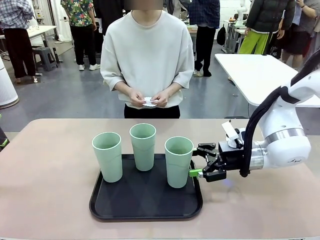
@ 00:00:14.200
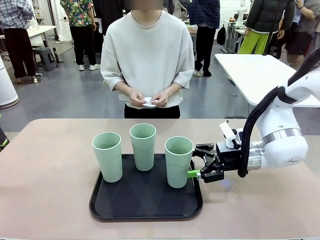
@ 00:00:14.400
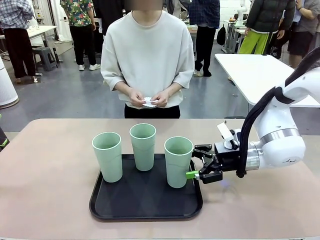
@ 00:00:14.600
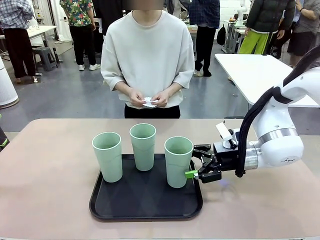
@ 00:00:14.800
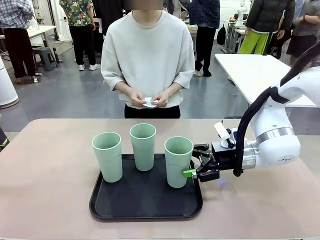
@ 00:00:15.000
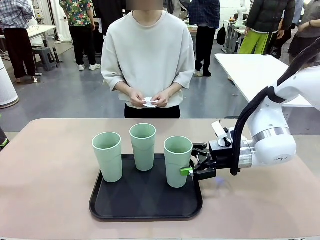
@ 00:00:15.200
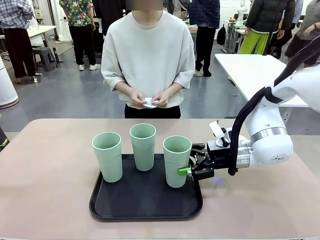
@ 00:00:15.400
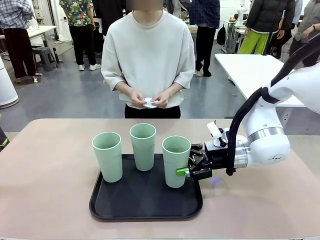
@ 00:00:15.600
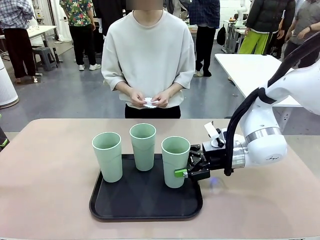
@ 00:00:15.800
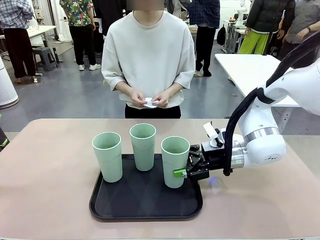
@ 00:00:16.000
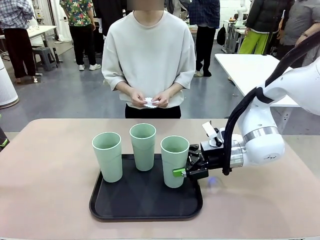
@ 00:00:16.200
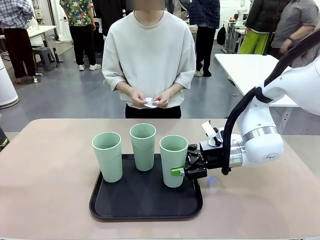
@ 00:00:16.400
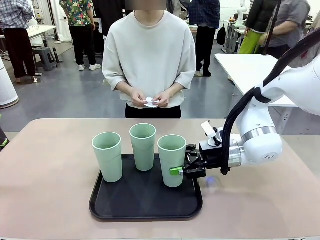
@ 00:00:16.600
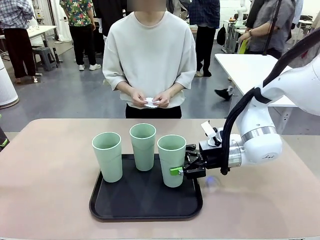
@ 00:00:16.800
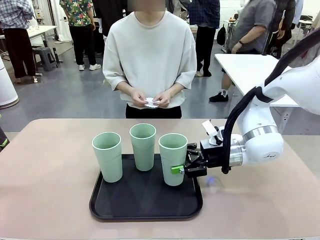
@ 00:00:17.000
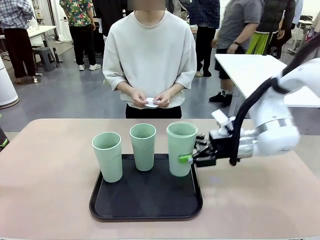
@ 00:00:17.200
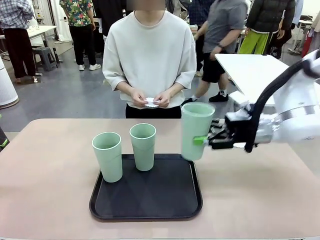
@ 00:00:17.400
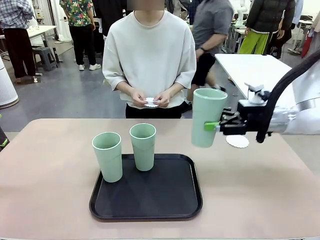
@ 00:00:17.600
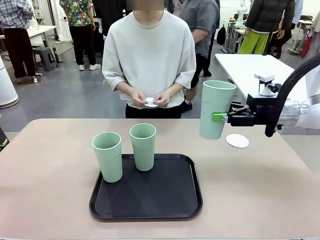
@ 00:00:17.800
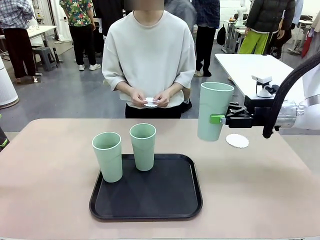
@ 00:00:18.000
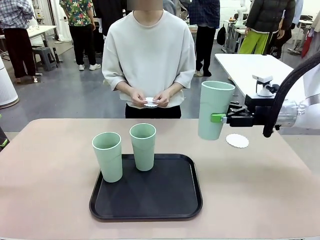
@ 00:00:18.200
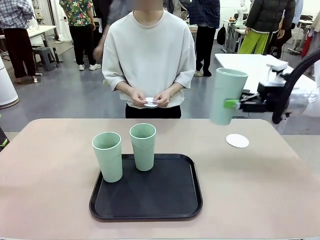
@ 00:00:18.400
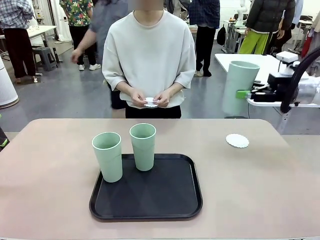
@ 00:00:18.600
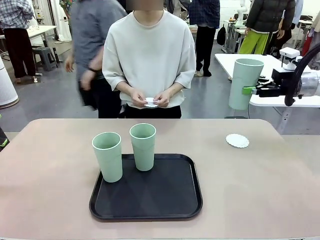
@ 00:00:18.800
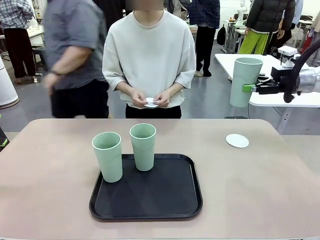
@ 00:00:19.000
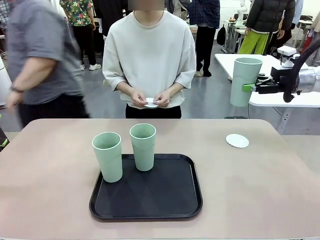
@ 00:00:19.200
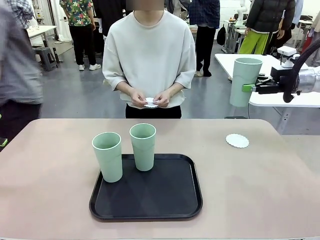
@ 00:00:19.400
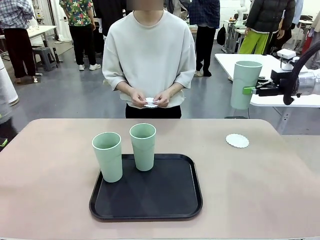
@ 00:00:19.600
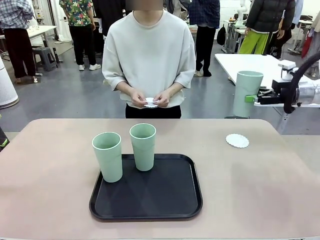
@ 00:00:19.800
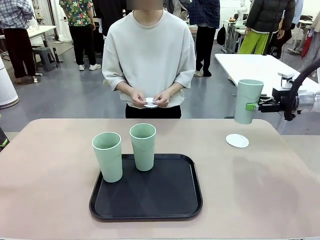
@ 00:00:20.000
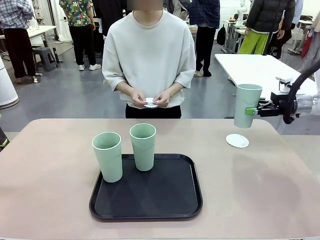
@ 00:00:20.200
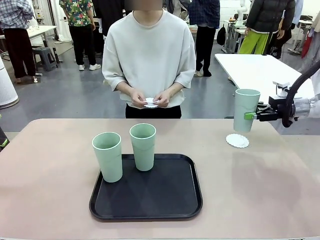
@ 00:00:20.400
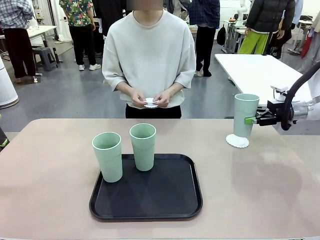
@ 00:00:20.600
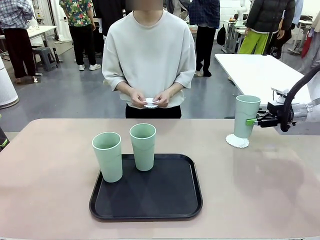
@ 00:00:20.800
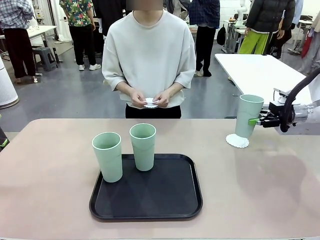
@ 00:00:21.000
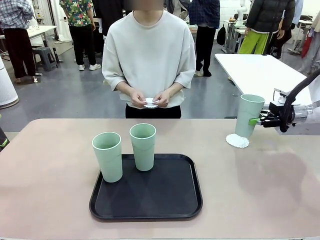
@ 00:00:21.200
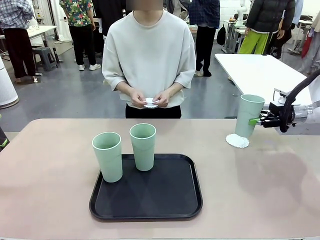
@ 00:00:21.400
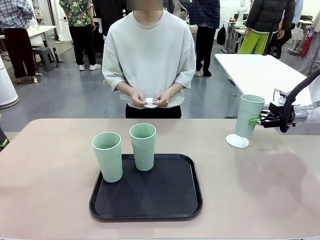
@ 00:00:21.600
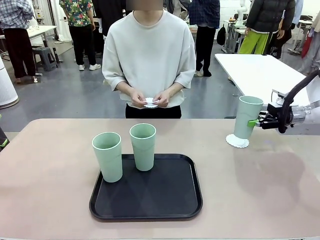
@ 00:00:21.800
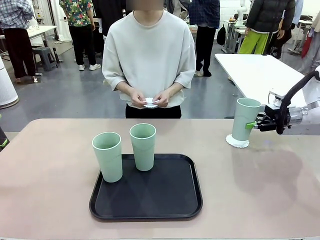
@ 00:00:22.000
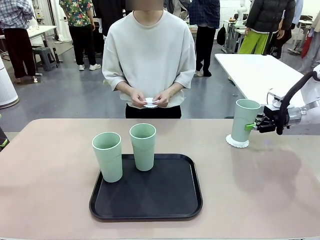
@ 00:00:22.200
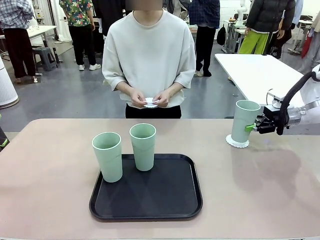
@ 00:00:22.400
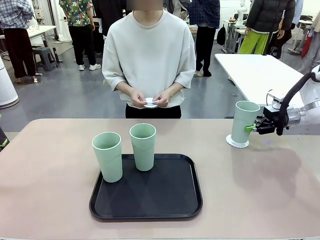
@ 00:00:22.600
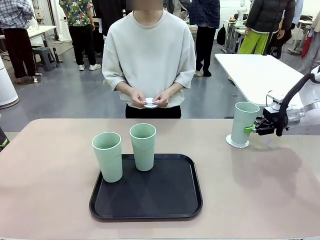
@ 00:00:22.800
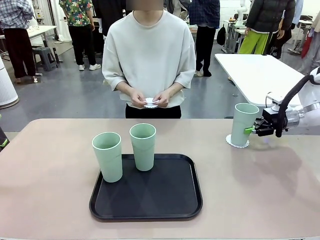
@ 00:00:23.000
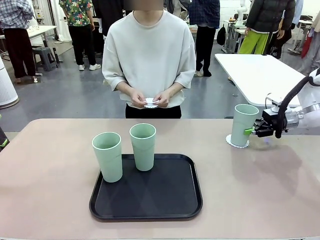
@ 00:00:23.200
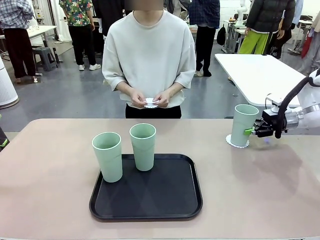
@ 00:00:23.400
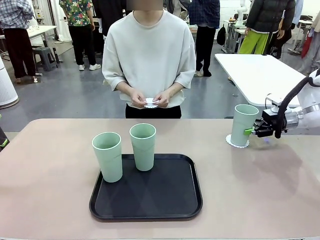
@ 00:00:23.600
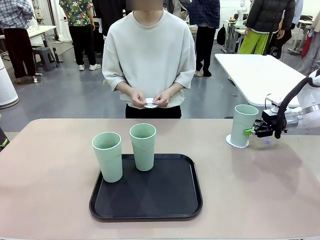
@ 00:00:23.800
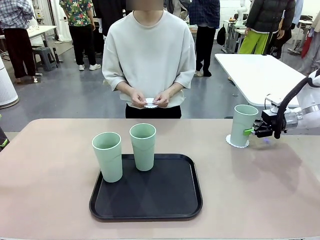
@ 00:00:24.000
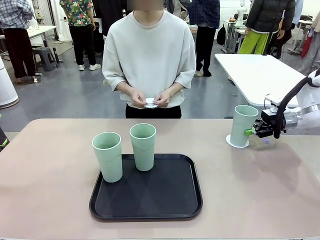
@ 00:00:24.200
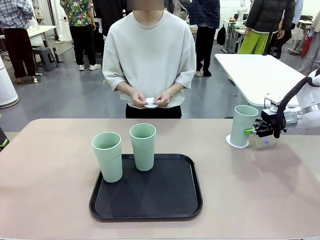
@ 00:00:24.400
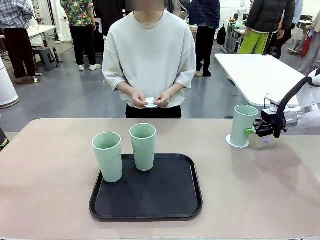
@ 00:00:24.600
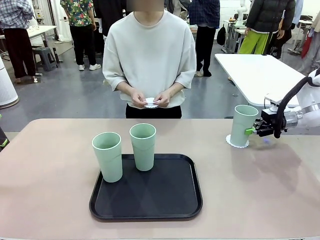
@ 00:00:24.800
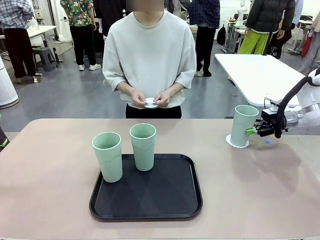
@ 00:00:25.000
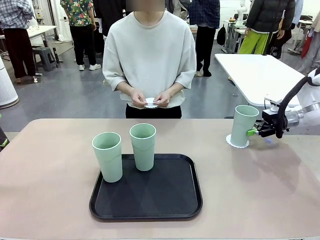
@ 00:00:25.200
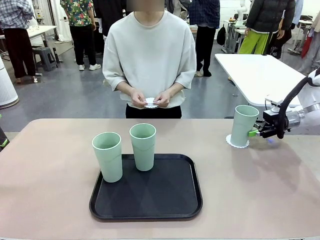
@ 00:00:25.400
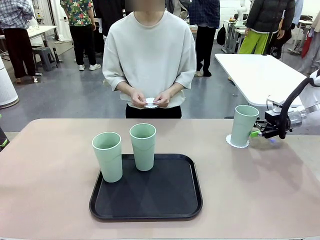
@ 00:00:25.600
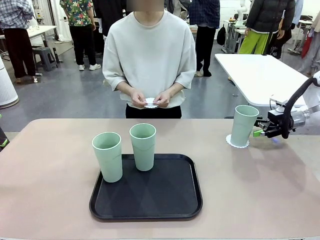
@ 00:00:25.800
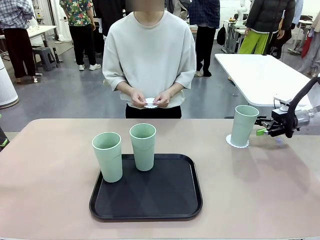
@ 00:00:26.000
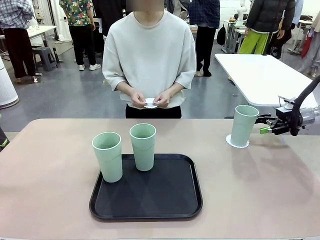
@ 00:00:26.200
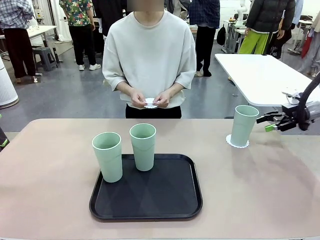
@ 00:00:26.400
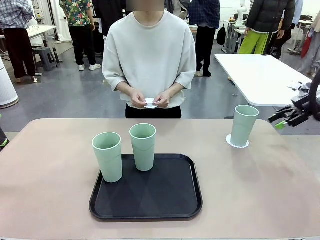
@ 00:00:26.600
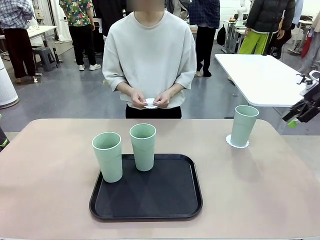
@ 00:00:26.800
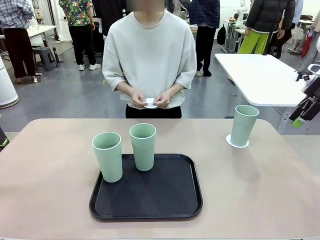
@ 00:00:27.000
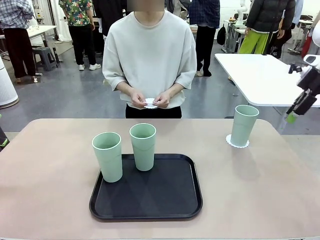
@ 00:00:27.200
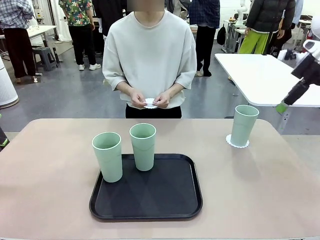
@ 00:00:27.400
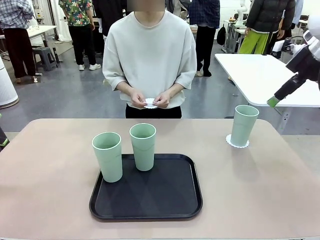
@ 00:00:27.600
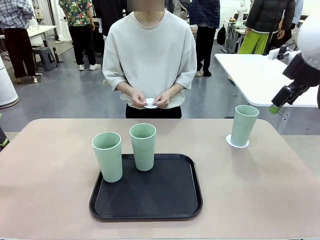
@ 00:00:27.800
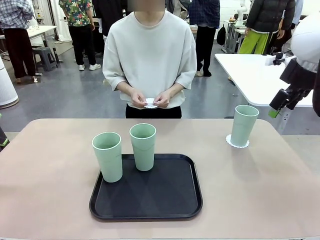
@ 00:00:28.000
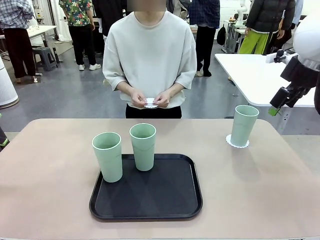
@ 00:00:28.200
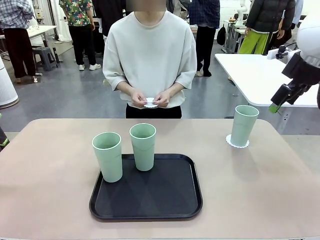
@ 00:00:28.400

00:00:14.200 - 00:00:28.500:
Task: Place coasters on the table and set cups on them.
Robot: Pick up one Reusable plastic cup and place it on a coaster set by the human.
Person: Place one coaster in one of the two areas excluding the previously selected area.
